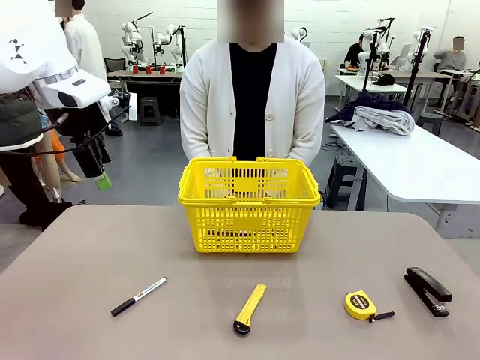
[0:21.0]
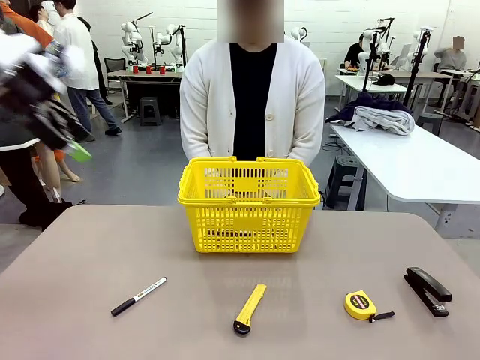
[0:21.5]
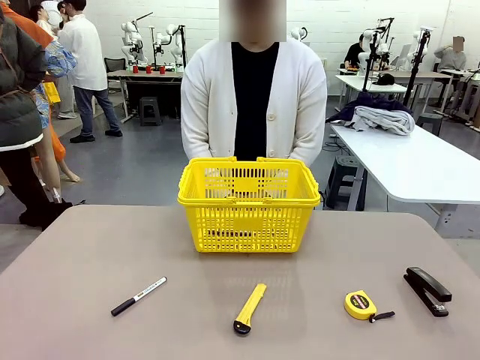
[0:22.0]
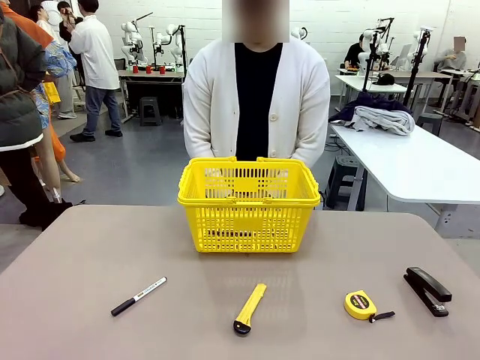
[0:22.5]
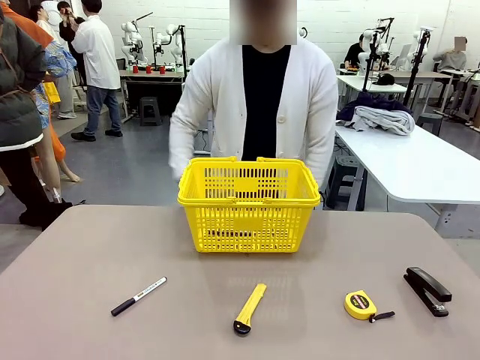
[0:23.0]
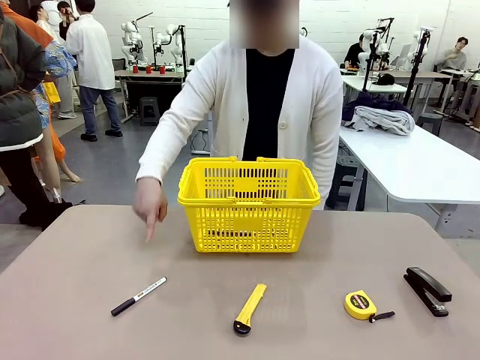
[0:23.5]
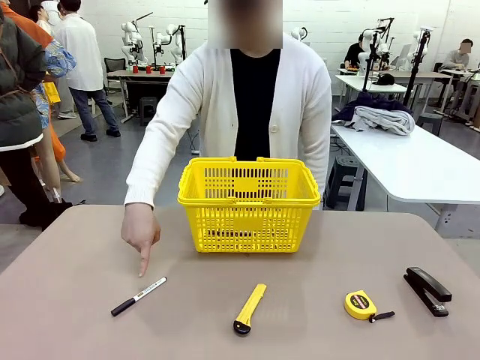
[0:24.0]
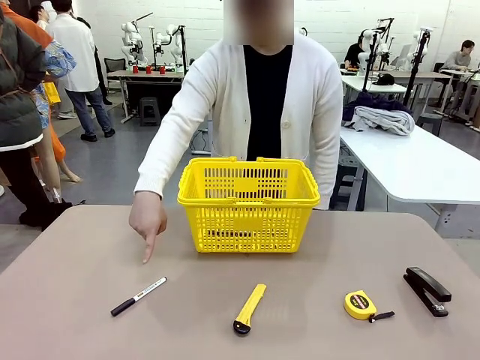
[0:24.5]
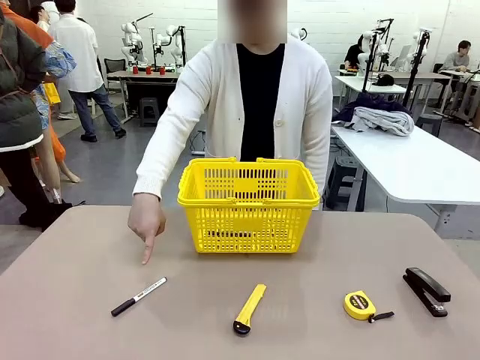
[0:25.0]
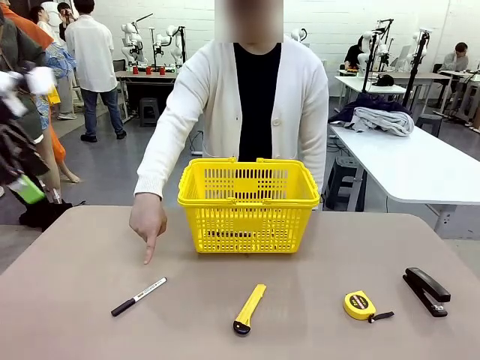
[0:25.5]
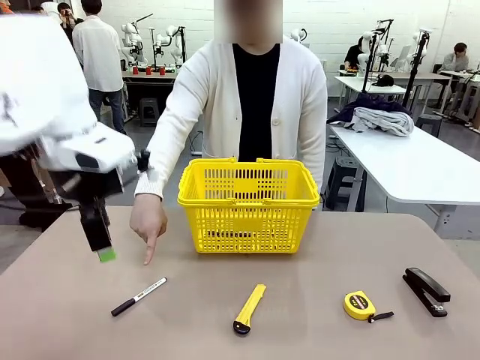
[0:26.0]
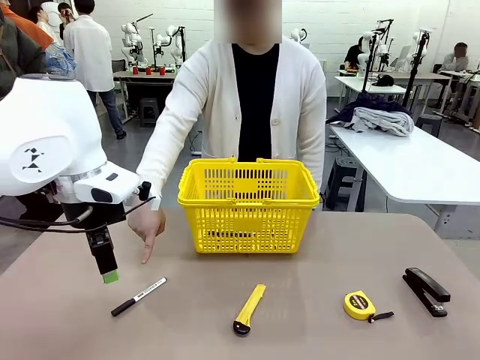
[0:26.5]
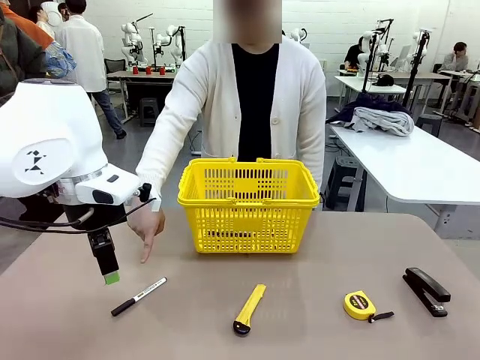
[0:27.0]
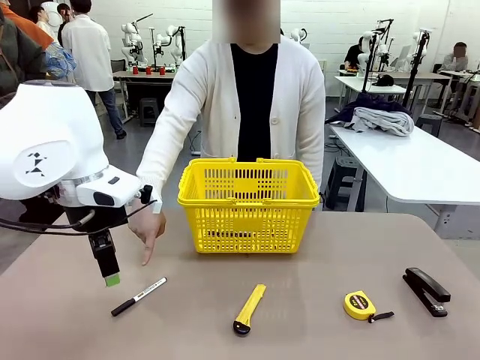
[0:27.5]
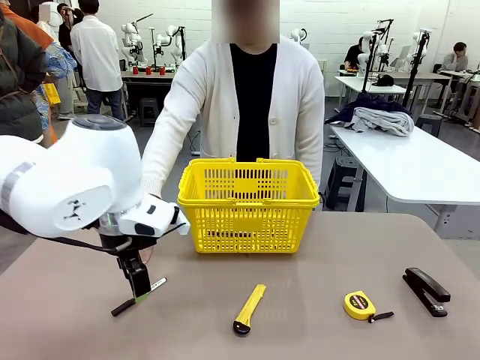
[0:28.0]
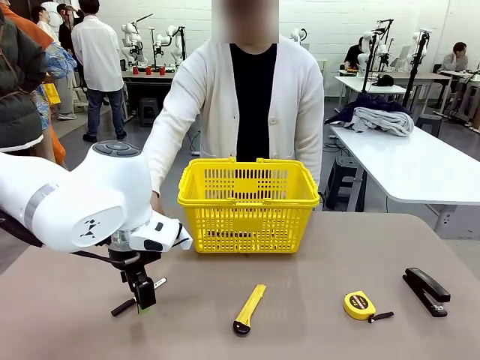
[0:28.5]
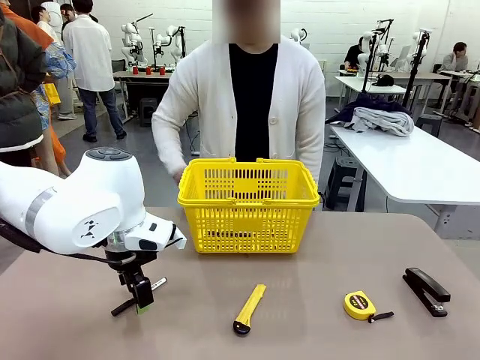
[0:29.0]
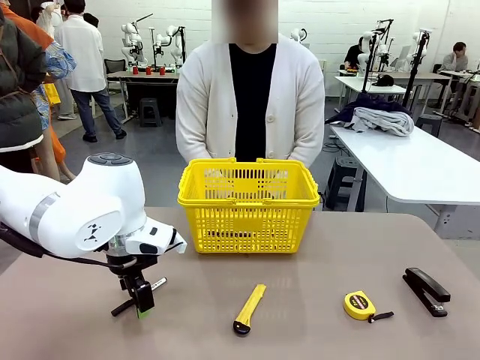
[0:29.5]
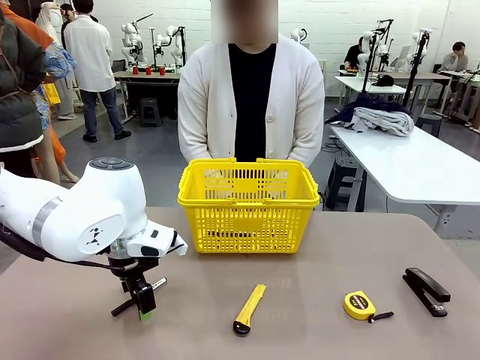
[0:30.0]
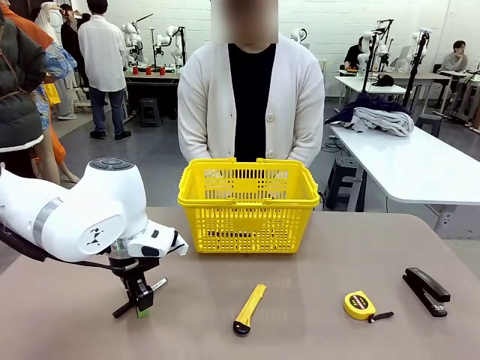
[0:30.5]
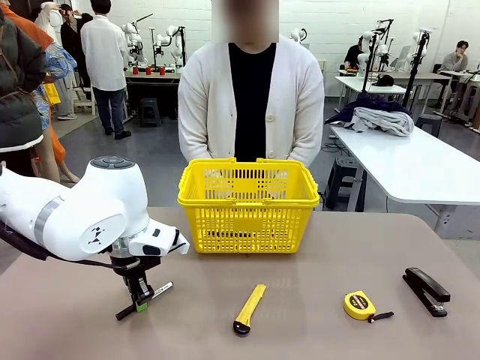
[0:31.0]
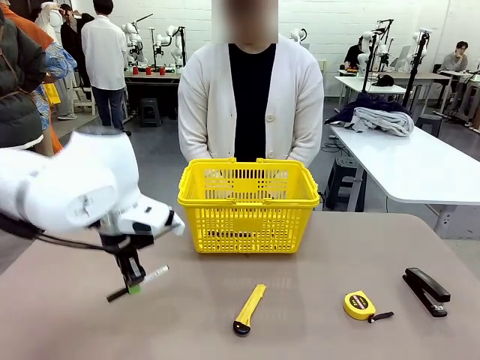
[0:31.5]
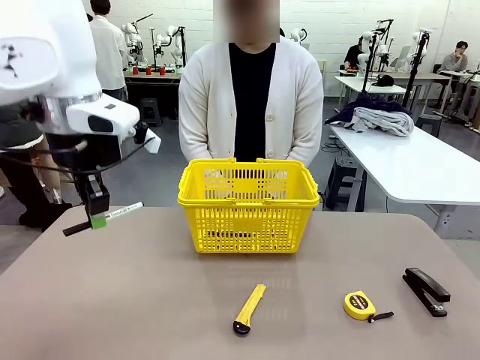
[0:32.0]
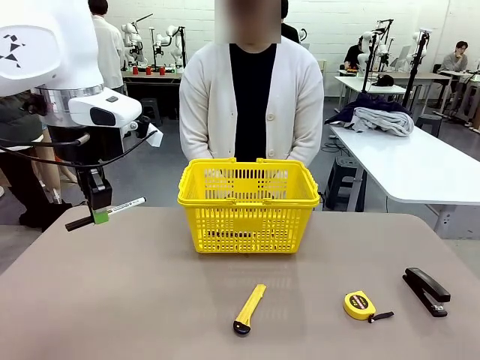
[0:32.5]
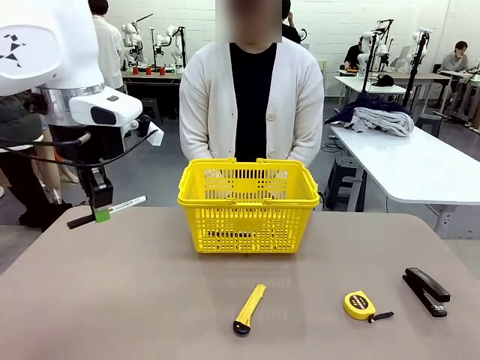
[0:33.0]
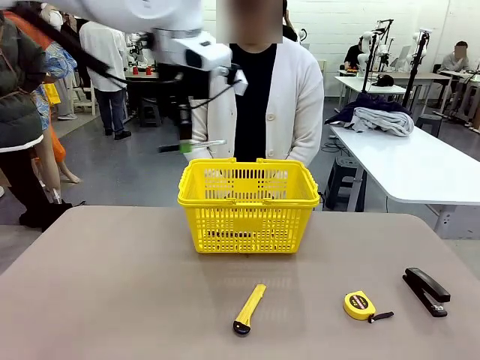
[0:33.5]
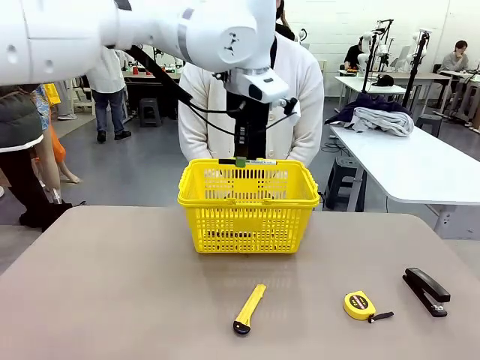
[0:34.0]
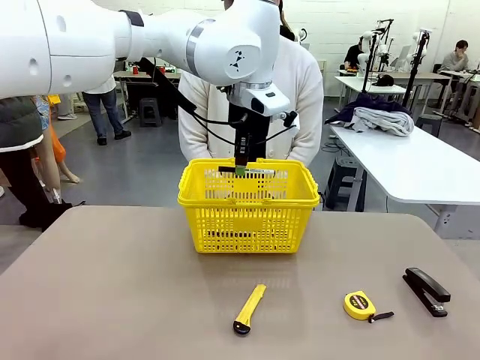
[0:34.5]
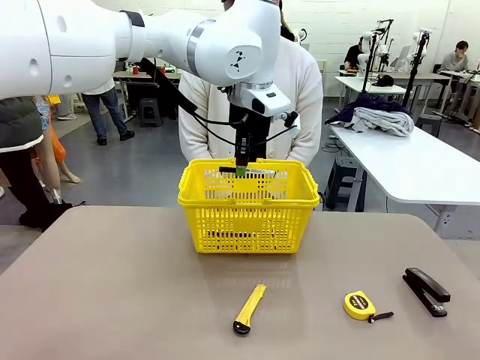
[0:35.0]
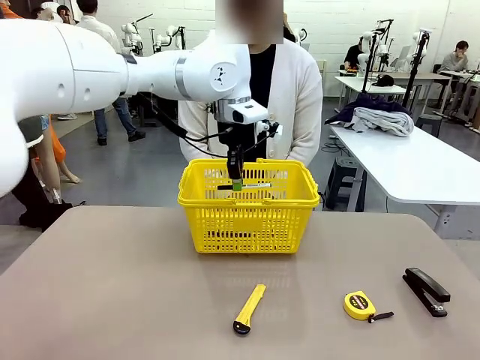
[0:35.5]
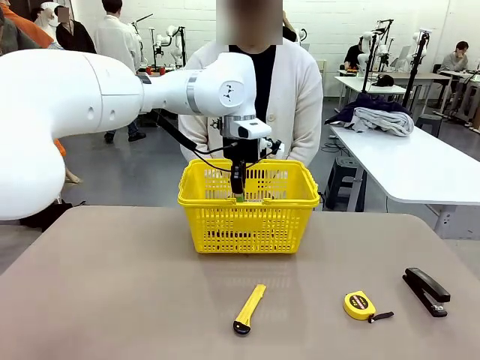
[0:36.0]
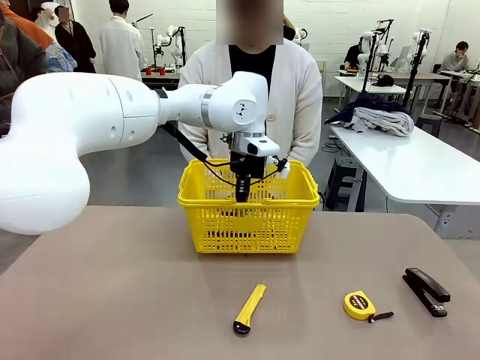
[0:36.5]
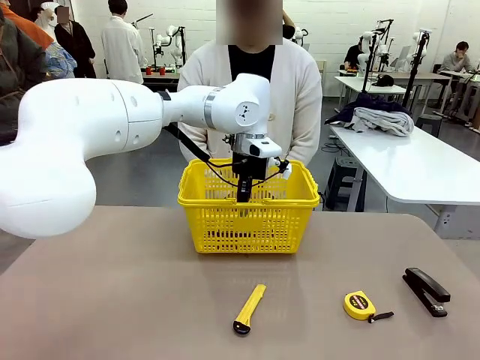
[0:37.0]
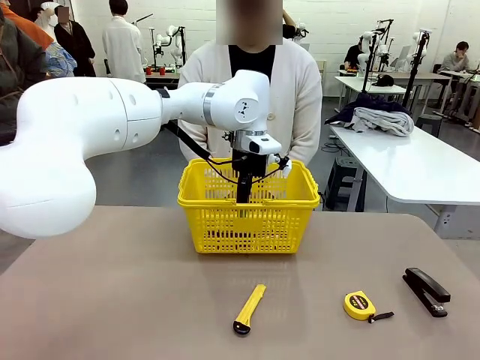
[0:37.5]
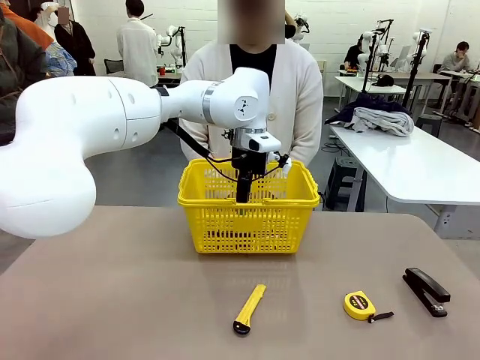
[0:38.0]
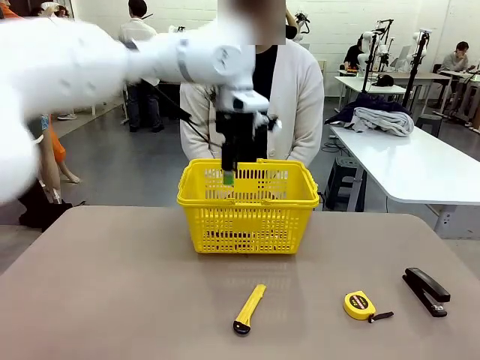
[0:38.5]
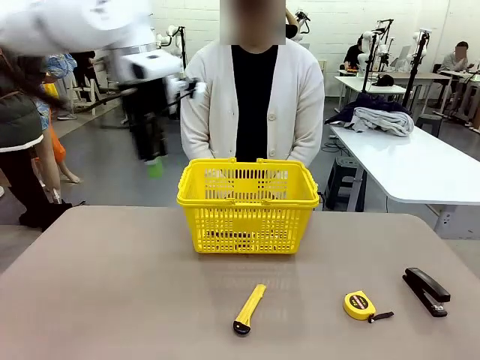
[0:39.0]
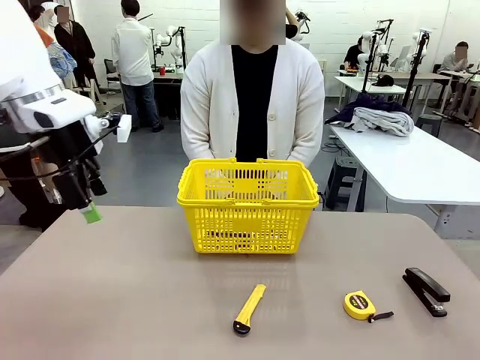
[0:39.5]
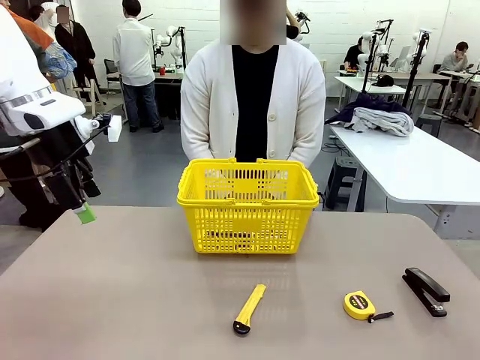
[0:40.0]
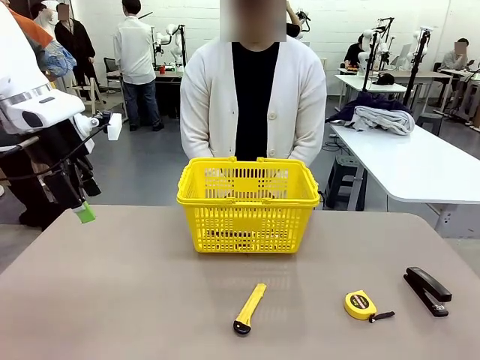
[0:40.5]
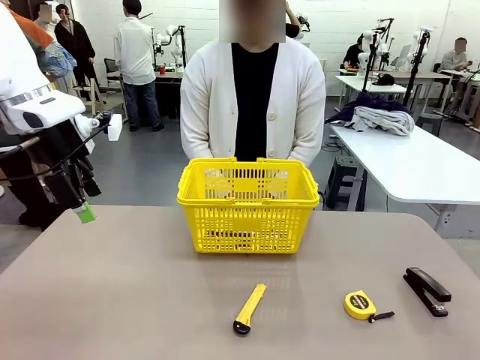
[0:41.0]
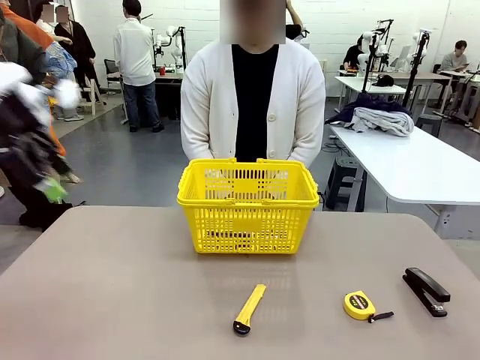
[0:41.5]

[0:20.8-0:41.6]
Task: Place the items the person wants into the basket.
Robot: Pick up the item the person points to and place it in the Market Basket.
